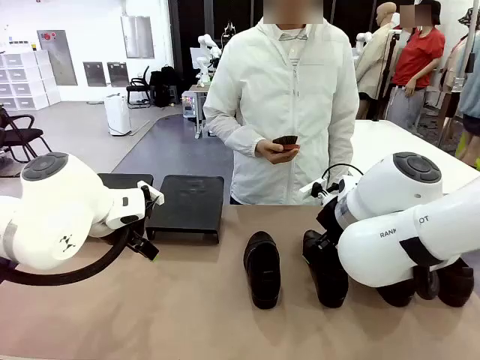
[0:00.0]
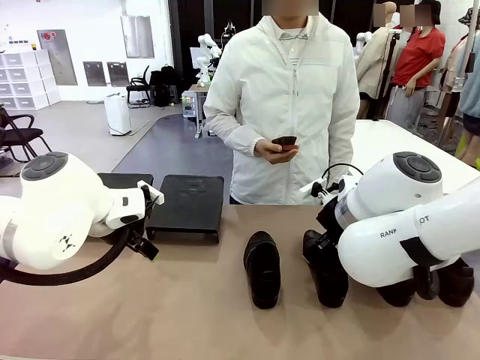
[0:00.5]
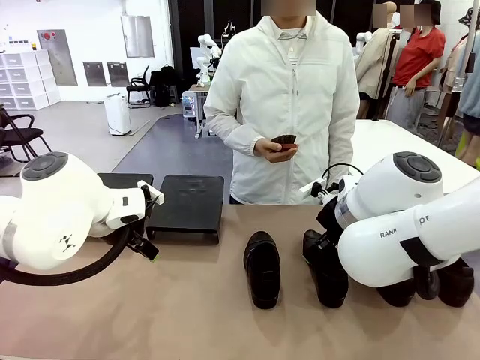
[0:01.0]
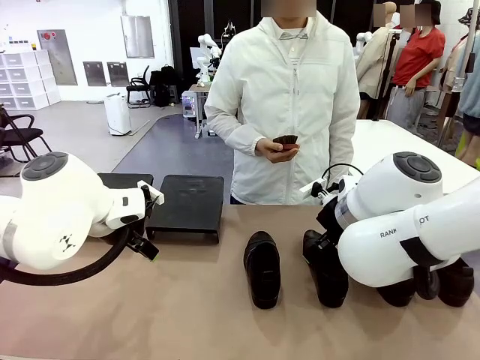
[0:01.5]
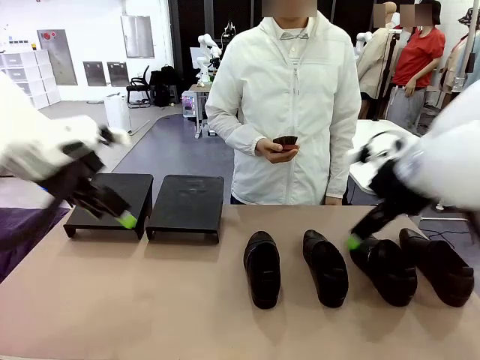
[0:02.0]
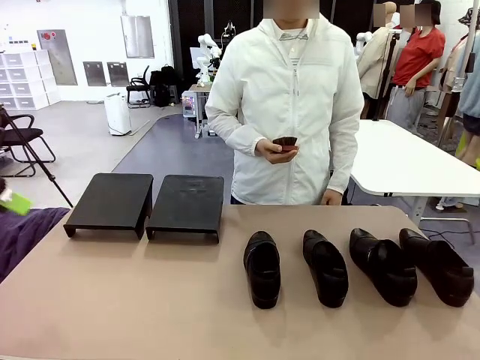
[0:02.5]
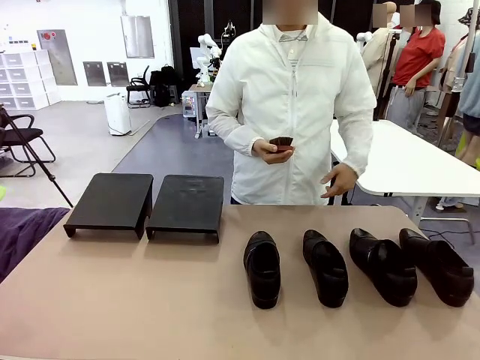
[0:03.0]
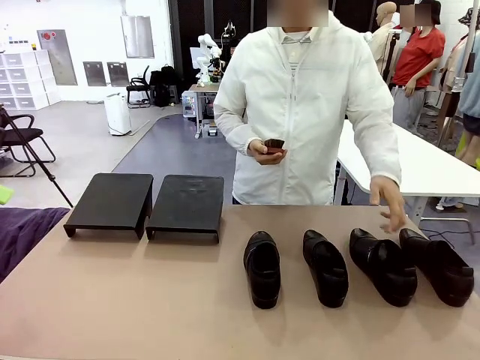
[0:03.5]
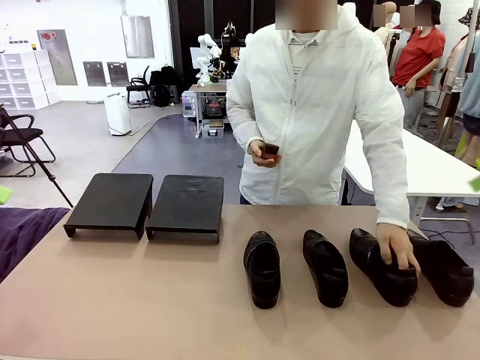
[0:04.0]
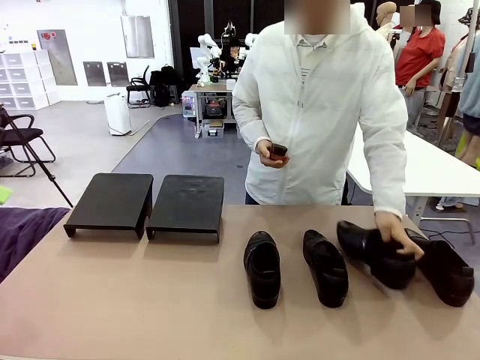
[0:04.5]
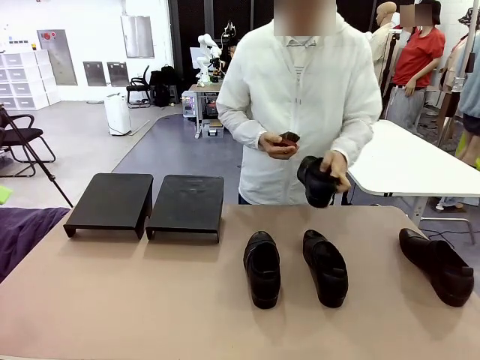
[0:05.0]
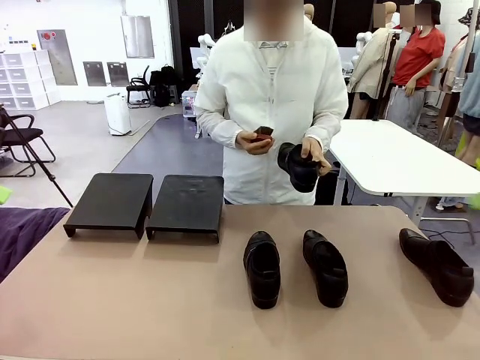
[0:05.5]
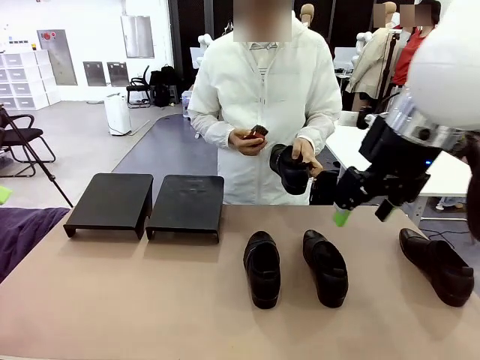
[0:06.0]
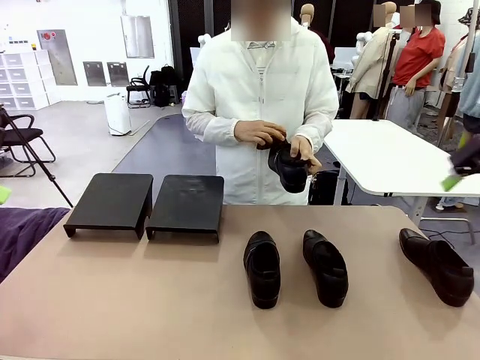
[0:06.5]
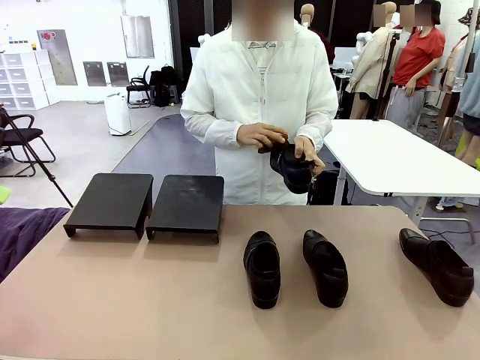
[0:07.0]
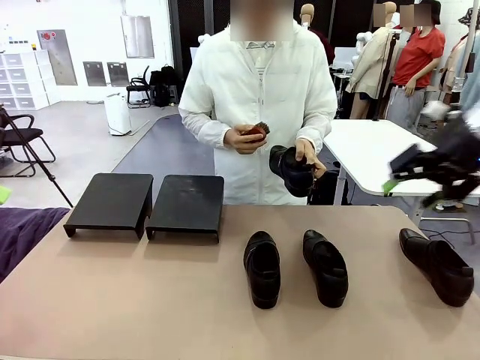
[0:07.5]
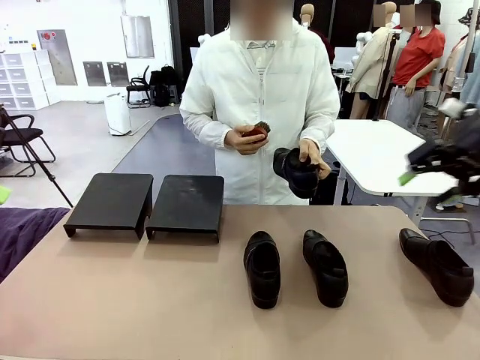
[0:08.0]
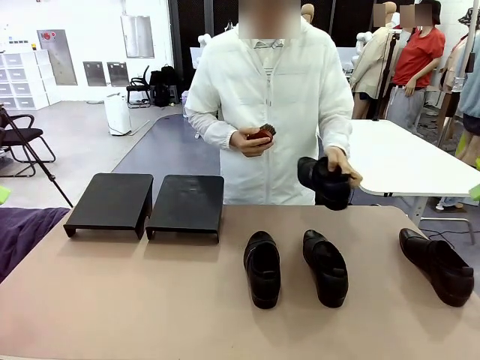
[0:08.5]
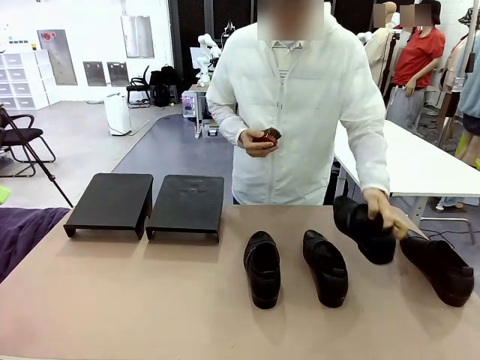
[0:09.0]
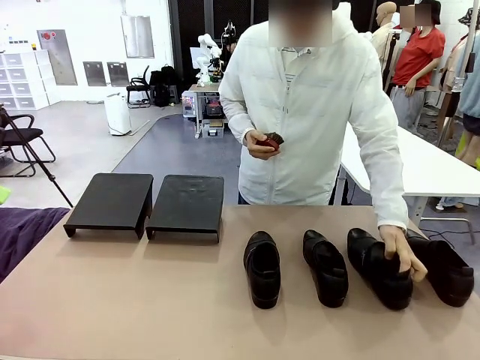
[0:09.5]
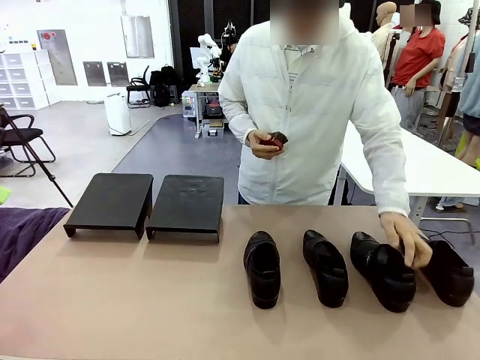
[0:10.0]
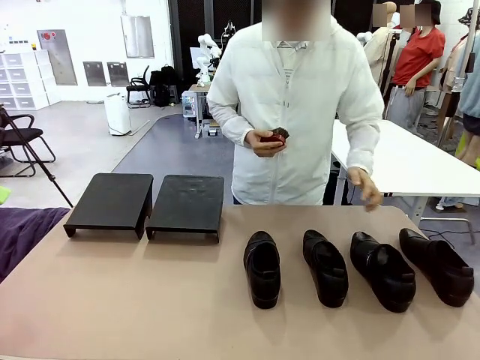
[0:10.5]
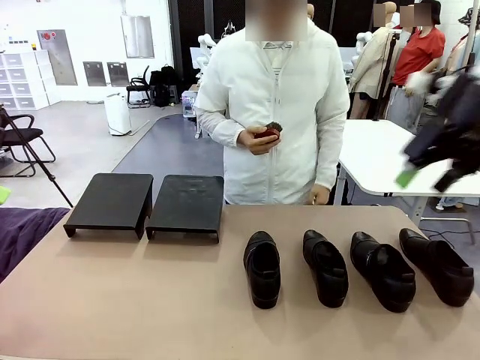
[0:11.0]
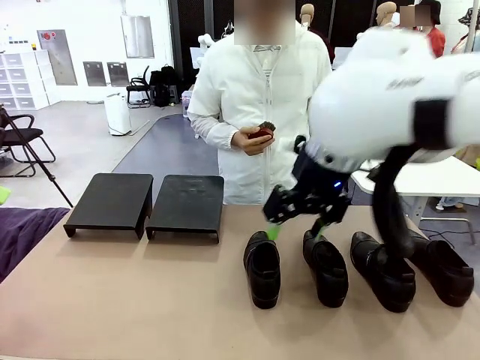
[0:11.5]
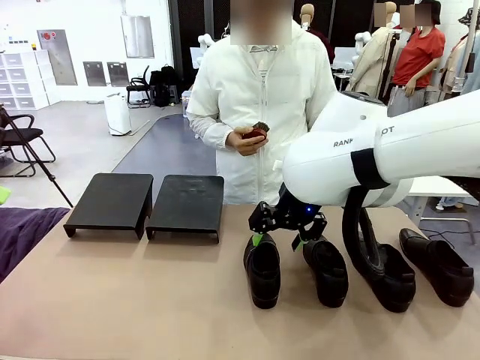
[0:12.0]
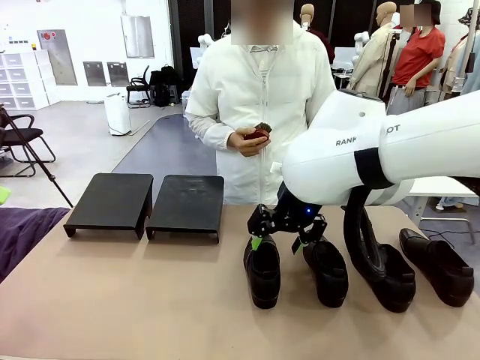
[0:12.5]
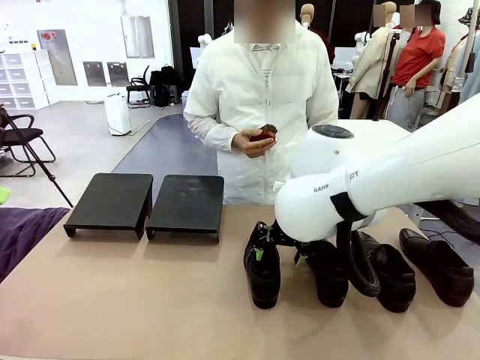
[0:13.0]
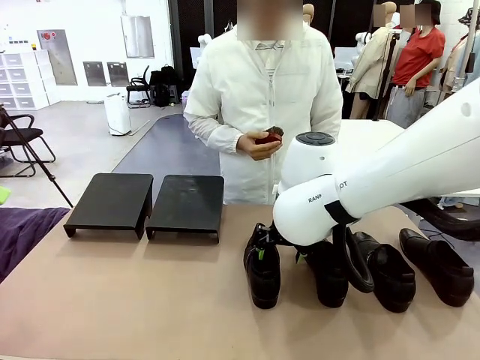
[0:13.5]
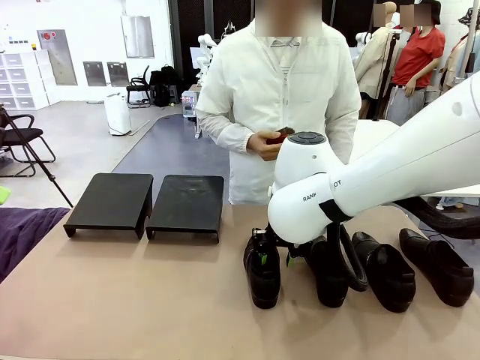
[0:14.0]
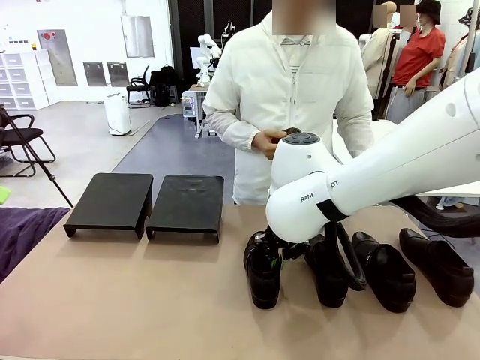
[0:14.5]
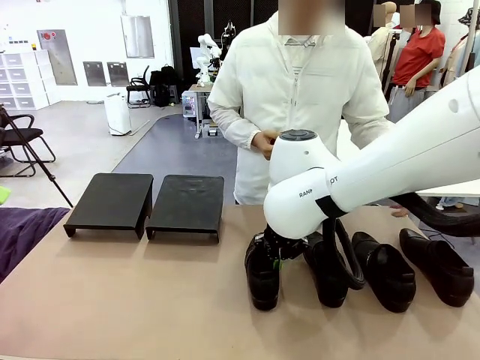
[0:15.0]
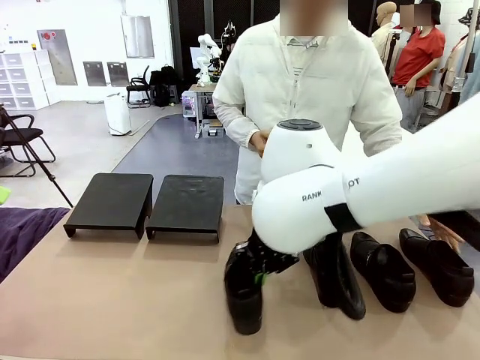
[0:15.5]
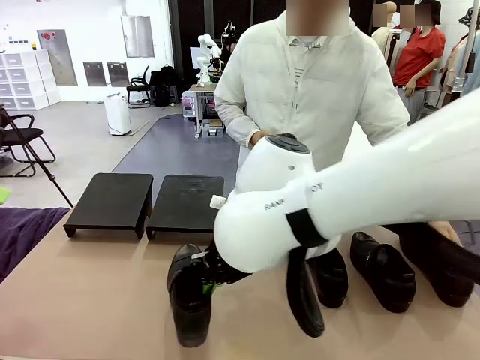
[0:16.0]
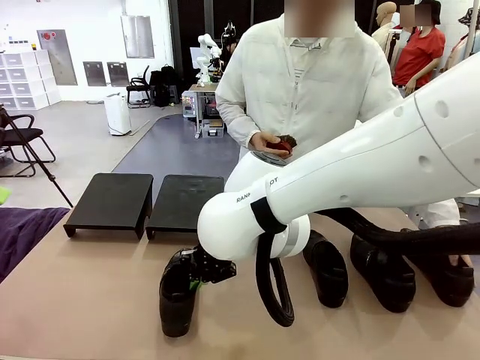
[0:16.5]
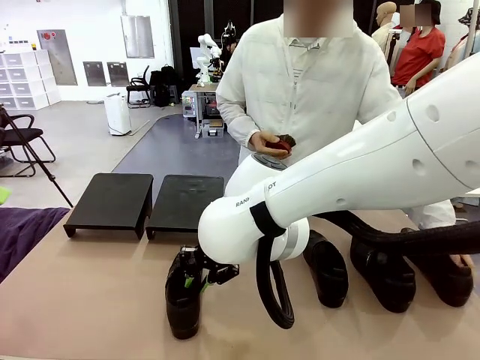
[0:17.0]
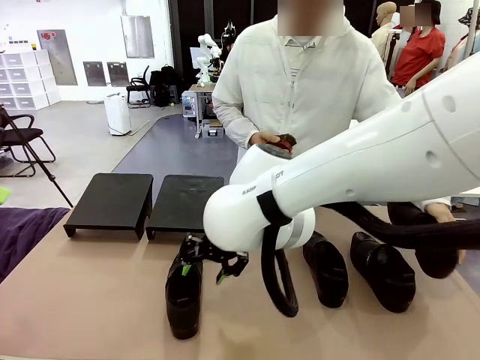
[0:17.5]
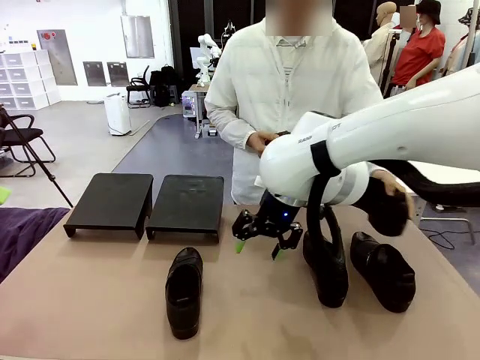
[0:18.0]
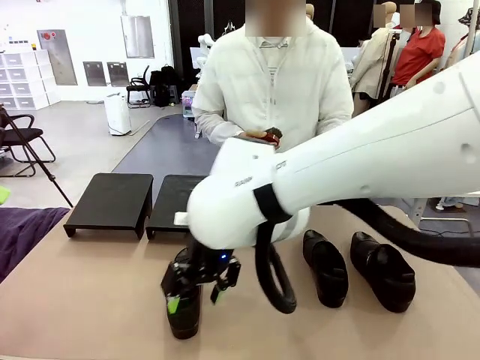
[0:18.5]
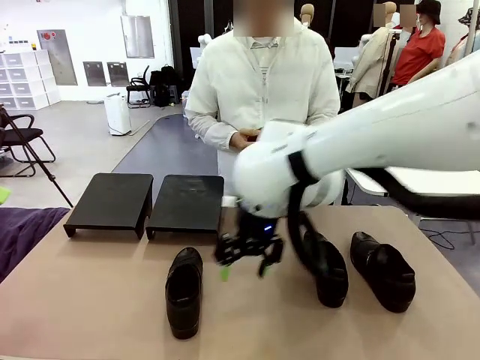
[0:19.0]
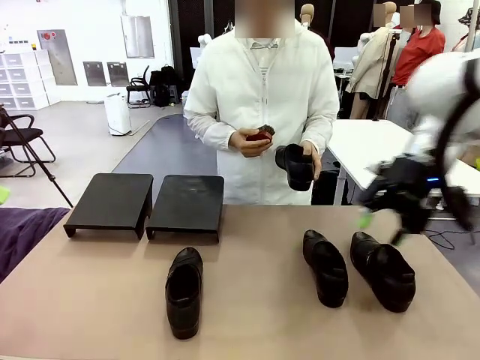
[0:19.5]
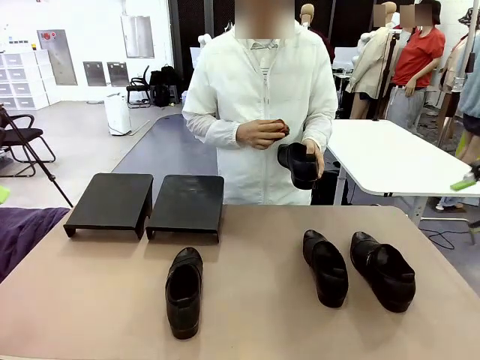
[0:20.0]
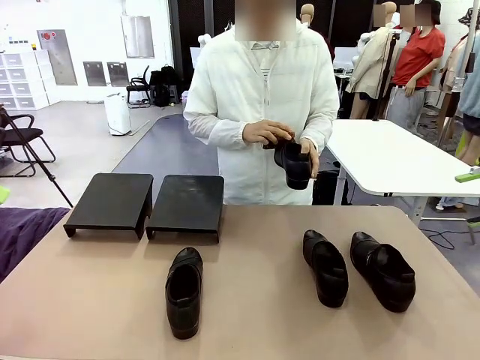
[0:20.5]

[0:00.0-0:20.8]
Task: Organize the shoes by placing them on the stand.
Robot: Pick up one Shoe and place it in the middle of the table.
Person: Pick one Shoe on Robot's table. Clean the Shoe with the Shoe Brush. Place the Shoe on left side of the Robot's table. Pick one Shoe on Robot's table.
